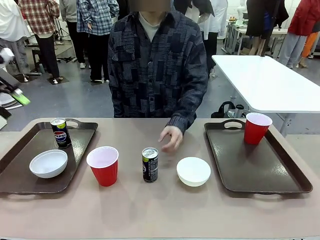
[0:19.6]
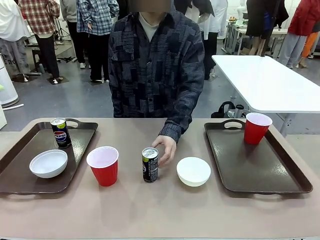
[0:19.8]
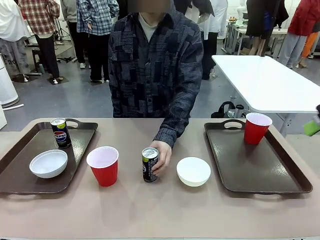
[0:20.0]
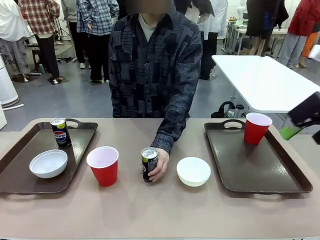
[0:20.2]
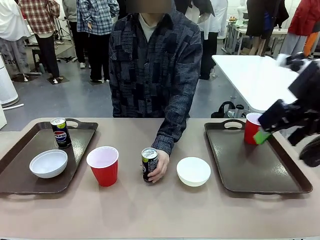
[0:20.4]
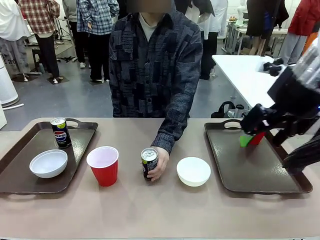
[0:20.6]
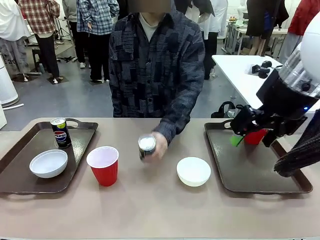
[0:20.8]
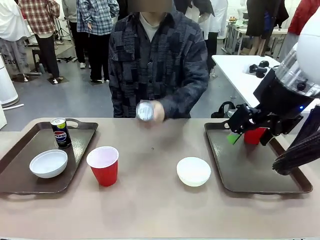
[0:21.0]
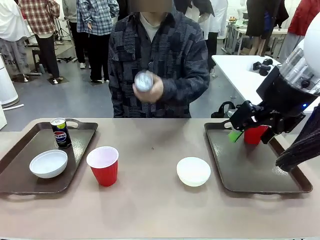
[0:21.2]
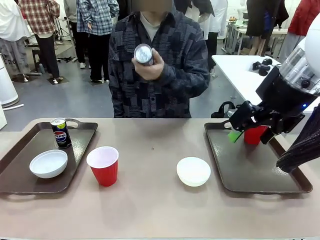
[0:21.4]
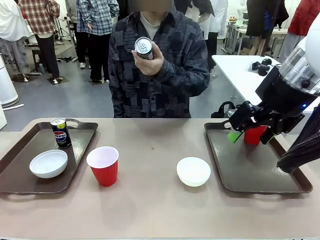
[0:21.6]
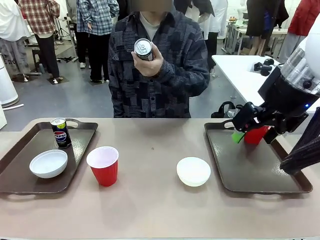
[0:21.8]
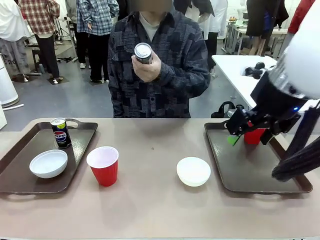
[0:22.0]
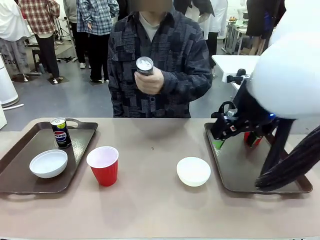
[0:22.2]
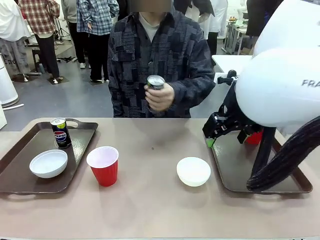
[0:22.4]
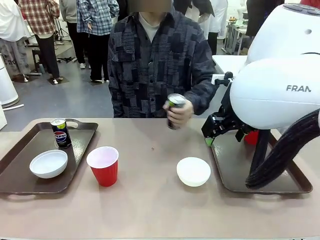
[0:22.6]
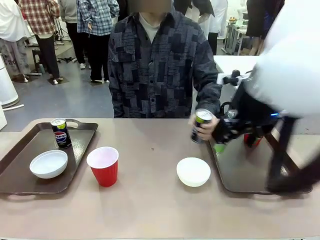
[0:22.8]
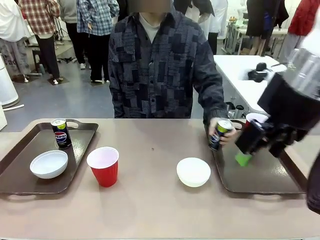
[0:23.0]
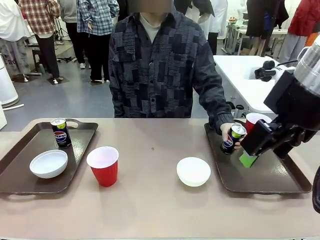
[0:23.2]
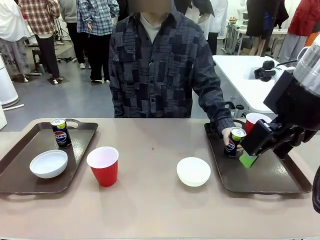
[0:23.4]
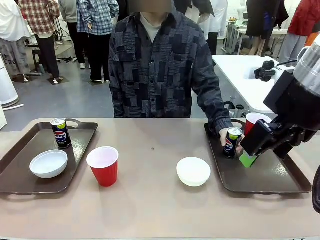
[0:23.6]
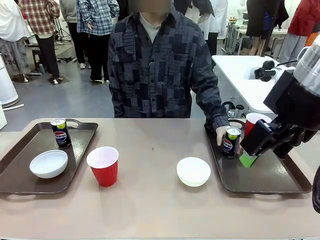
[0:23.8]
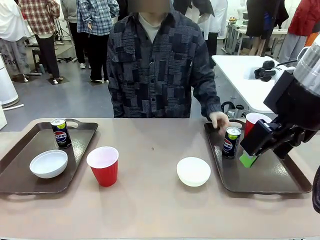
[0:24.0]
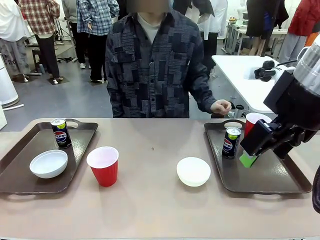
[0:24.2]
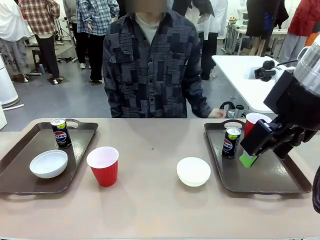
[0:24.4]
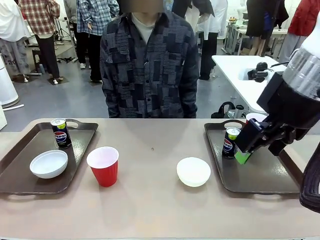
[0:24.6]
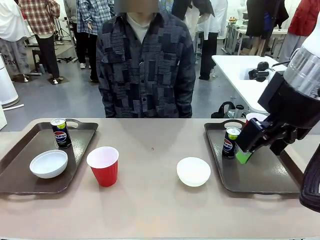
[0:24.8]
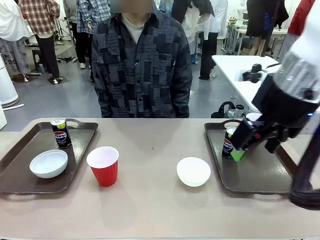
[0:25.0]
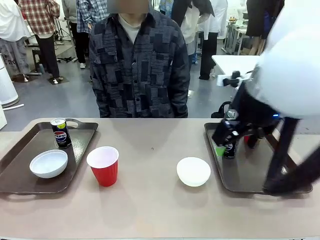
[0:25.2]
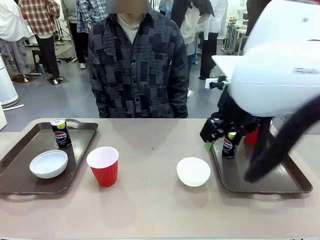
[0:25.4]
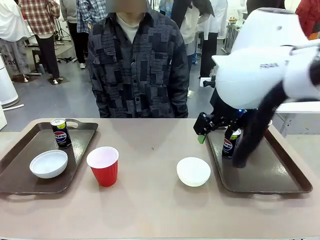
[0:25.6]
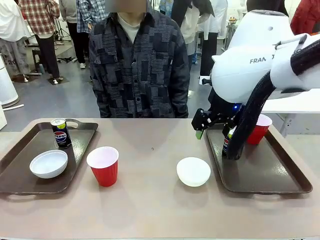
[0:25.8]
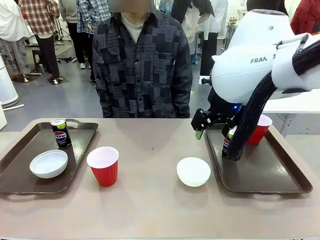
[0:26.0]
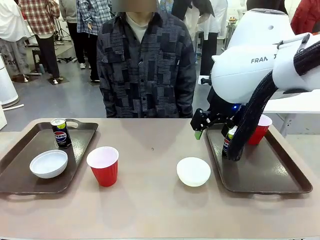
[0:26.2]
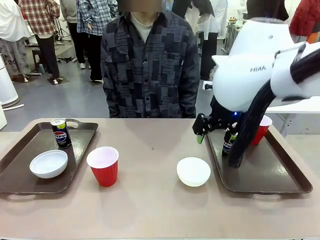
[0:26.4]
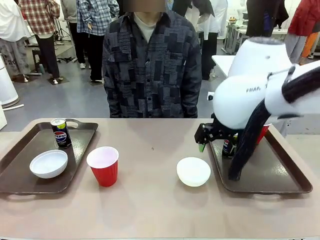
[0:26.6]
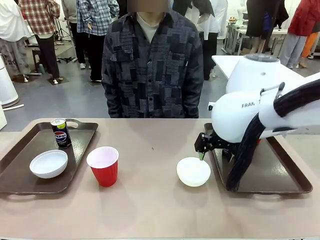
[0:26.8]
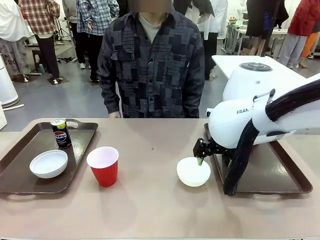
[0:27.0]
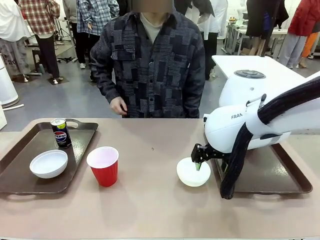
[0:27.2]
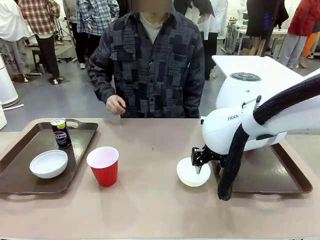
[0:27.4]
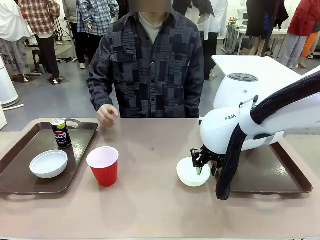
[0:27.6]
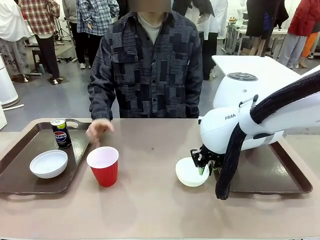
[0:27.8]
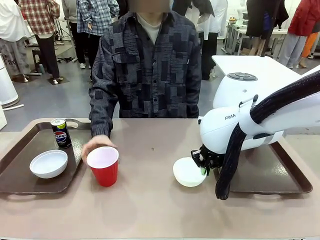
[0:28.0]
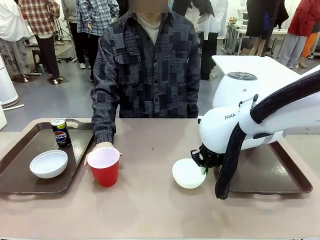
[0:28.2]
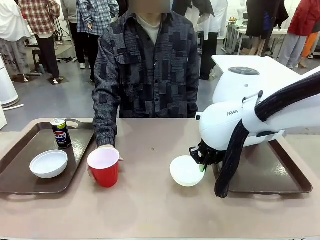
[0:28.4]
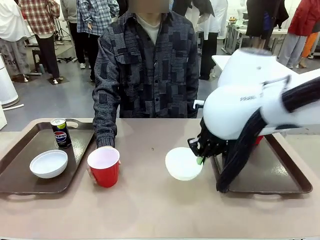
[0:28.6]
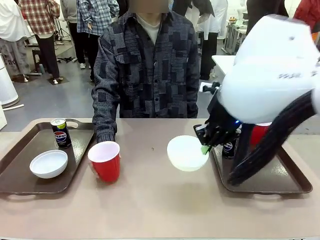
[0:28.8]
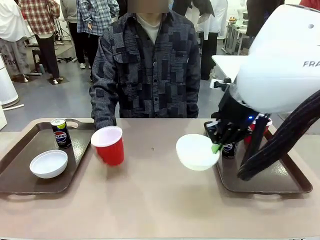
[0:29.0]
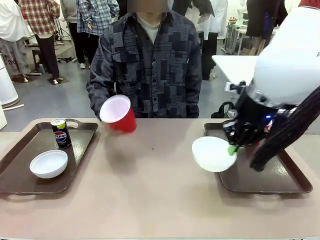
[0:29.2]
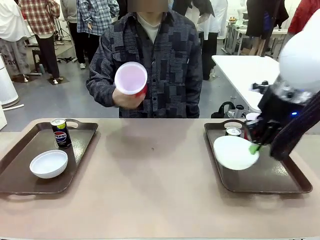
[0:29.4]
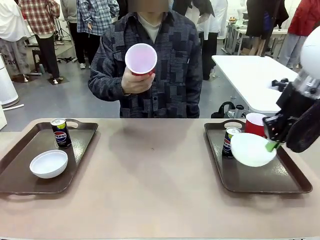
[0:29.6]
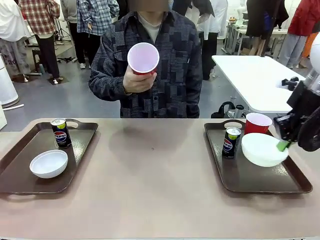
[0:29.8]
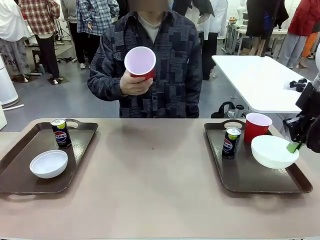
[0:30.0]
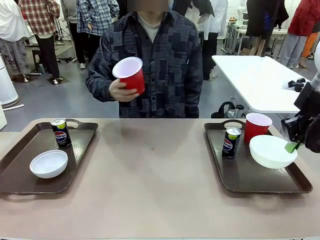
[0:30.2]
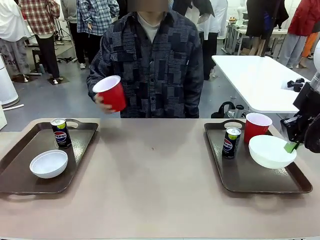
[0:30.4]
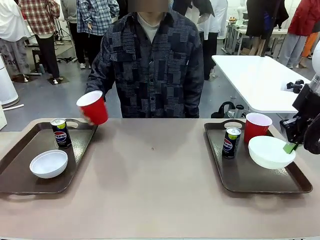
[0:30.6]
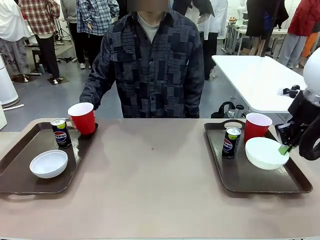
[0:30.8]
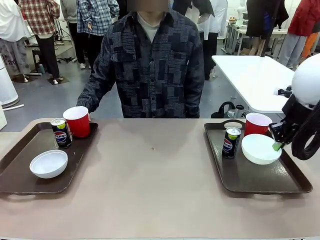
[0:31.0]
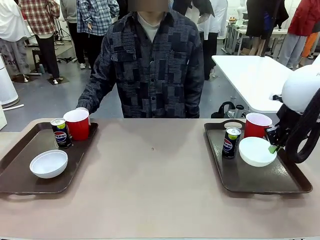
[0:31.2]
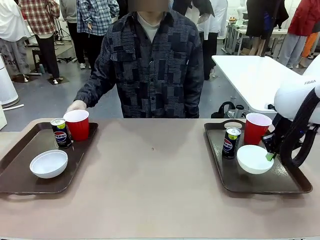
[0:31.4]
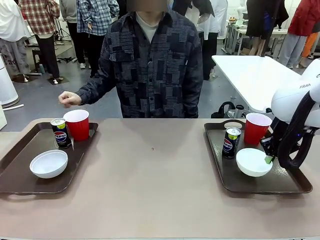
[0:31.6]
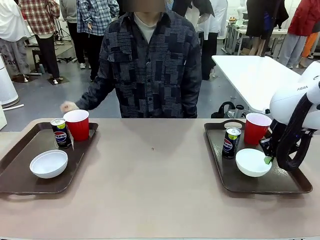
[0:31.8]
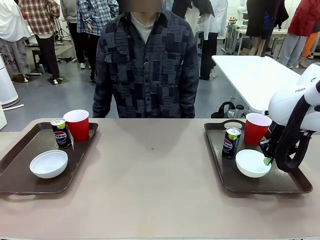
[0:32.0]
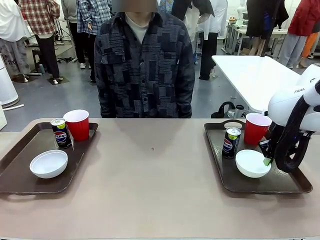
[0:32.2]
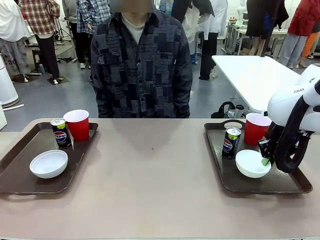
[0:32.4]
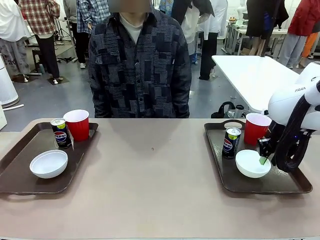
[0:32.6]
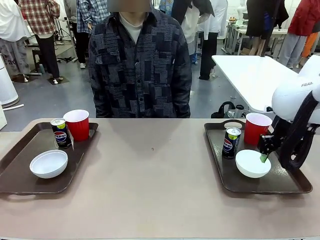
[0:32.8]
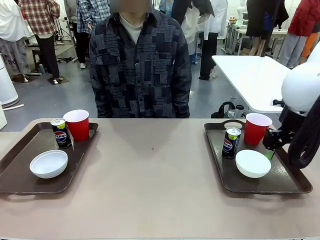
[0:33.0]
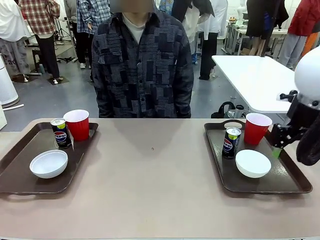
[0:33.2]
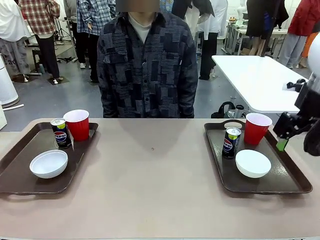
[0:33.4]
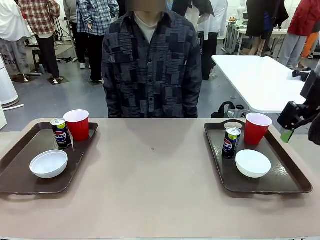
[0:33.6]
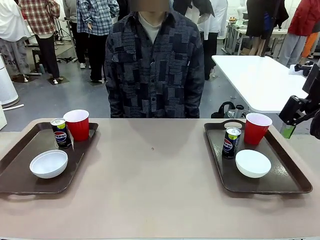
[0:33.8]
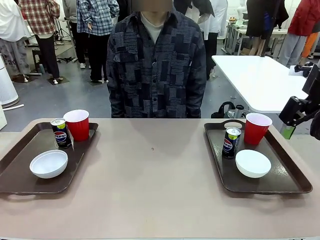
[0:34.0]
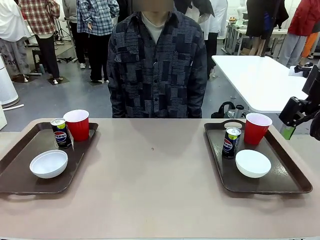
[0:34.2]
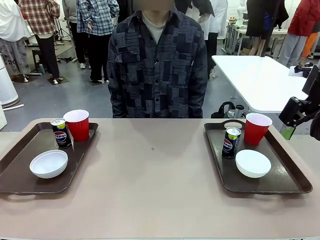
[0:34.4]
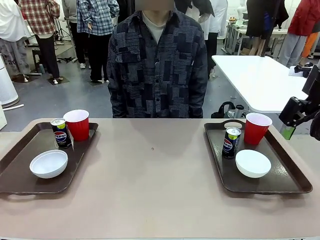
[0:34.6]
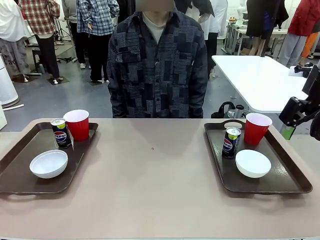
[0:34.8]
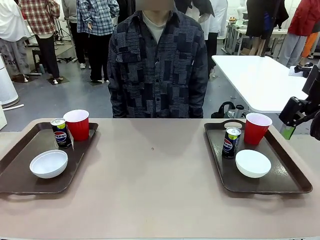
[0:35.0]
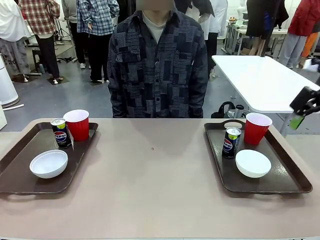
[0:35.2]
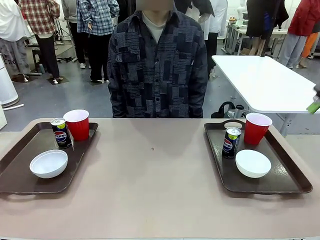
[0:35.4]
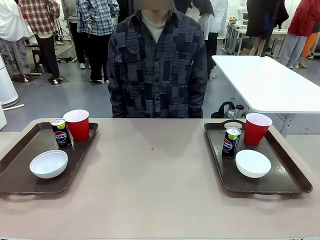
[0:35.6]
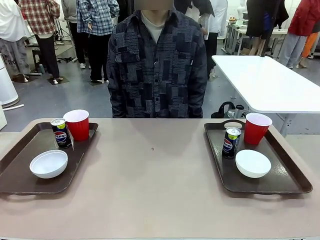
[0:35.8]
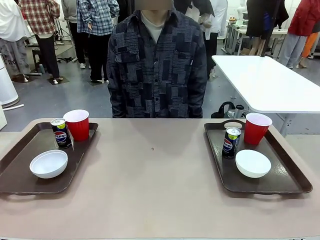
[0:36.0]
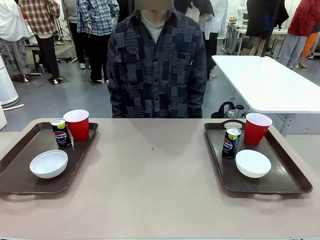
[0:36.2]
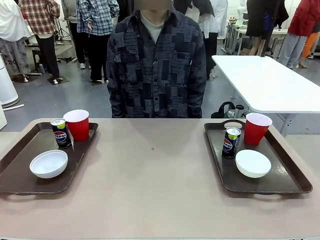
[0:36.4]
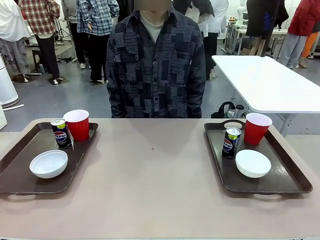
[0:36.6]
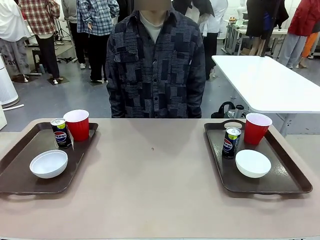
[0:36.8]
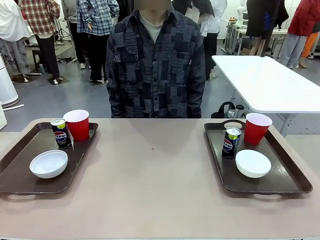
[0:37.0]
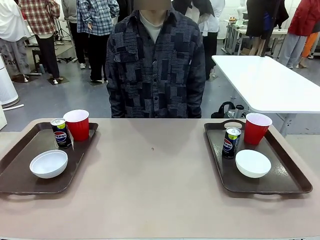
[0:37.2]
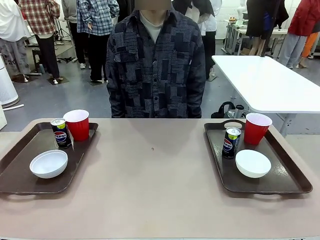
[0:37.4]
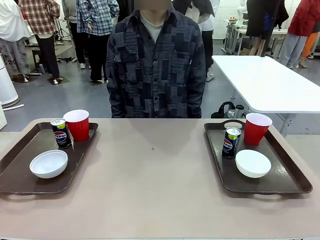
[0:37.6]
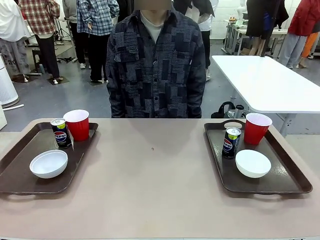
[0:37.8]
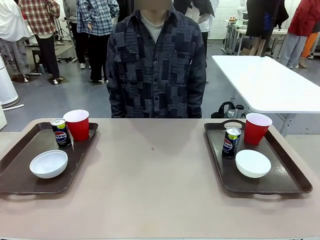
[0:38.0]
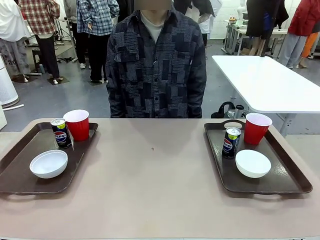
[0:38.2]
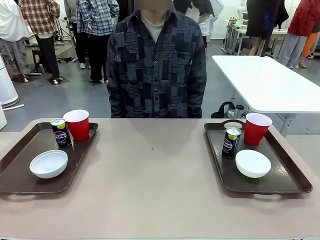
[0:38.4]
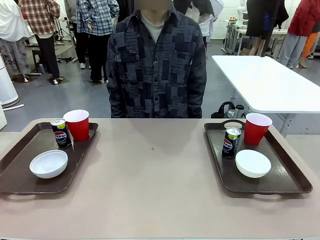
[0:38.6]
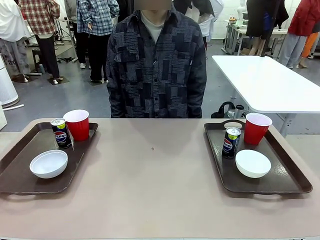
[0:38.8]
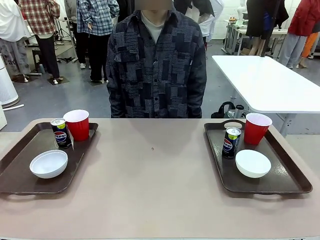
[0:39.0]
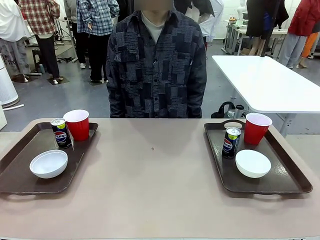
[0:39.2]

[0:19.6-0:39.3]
Task: Prepare tableware on both trays.
Robot: Pick up a Picnic Bowl from the table and place it on a Handle tray.
Person: Pick up a can or cup and place it on the tray without a can or cup.
